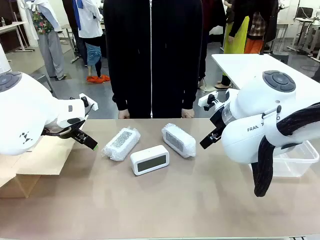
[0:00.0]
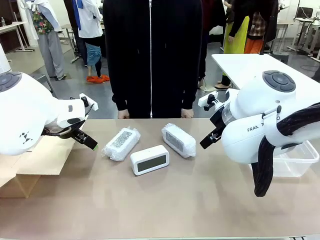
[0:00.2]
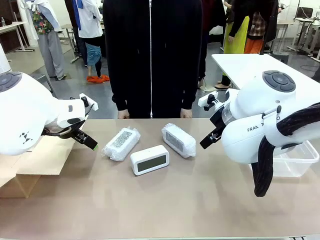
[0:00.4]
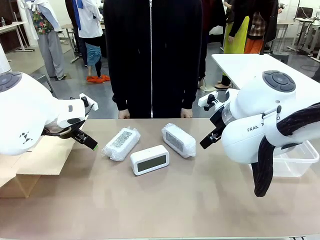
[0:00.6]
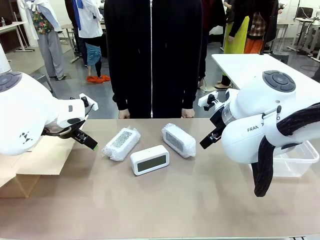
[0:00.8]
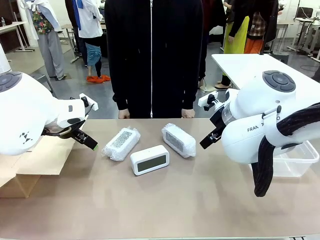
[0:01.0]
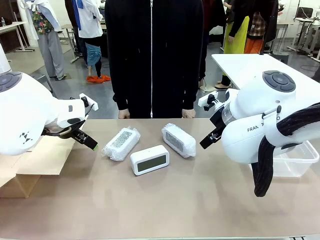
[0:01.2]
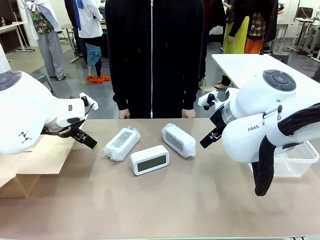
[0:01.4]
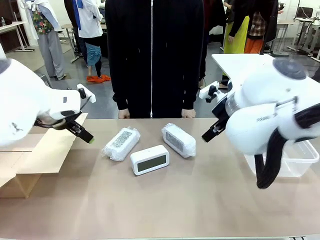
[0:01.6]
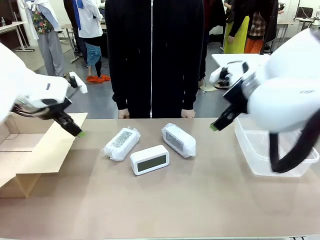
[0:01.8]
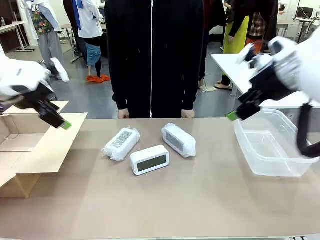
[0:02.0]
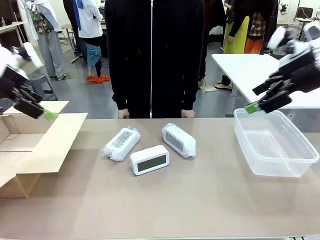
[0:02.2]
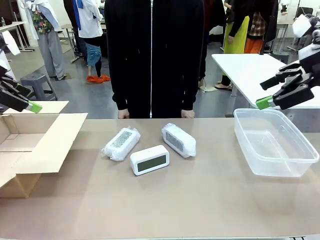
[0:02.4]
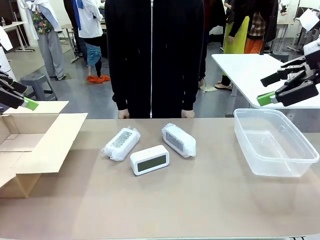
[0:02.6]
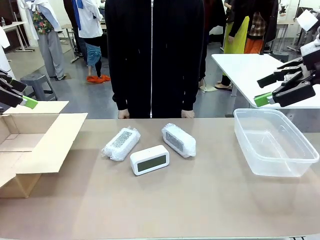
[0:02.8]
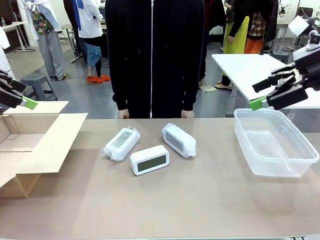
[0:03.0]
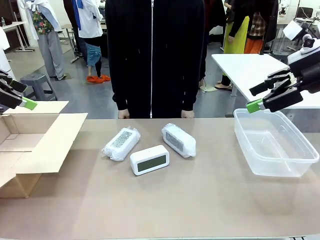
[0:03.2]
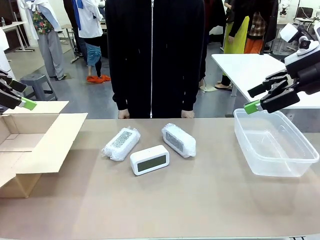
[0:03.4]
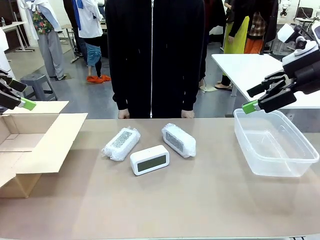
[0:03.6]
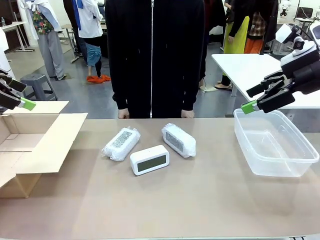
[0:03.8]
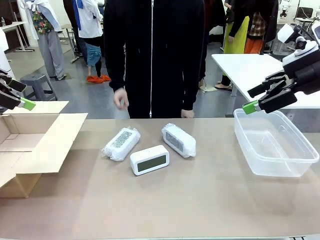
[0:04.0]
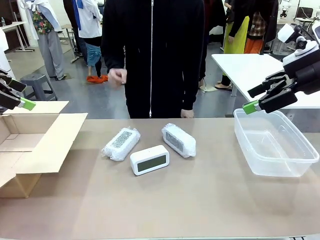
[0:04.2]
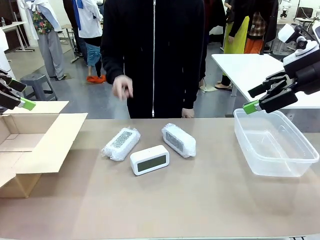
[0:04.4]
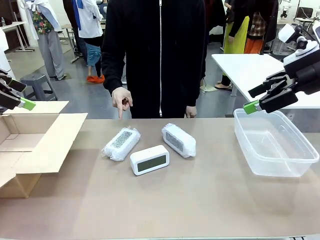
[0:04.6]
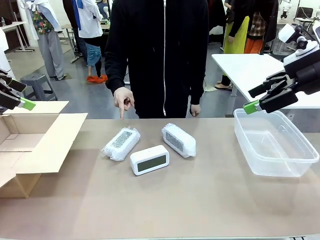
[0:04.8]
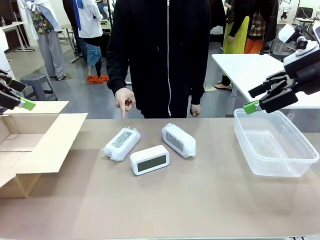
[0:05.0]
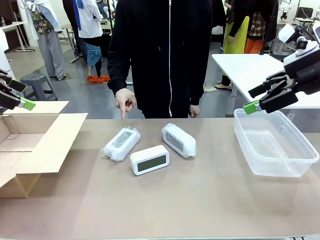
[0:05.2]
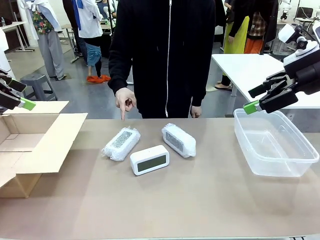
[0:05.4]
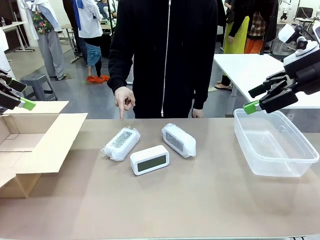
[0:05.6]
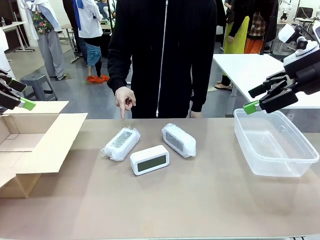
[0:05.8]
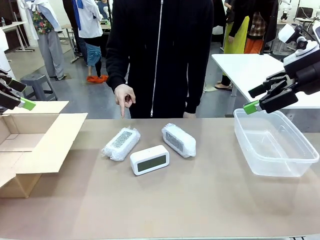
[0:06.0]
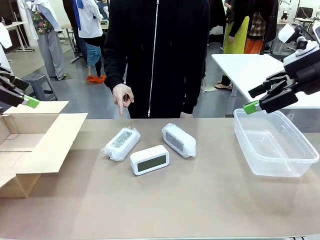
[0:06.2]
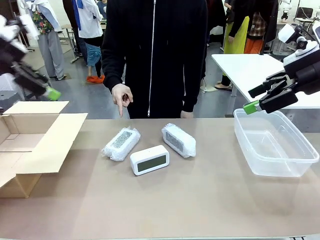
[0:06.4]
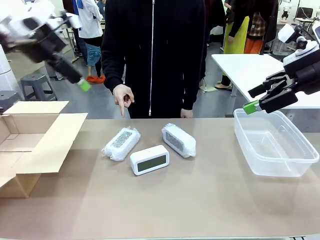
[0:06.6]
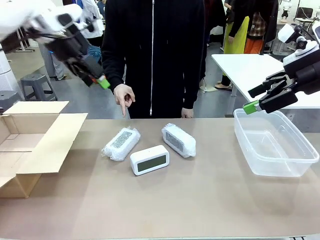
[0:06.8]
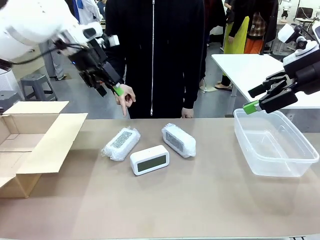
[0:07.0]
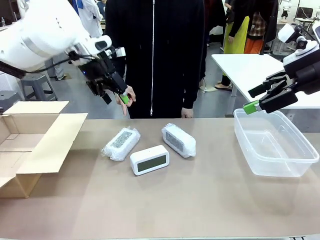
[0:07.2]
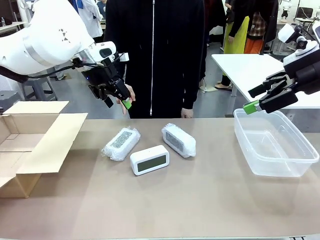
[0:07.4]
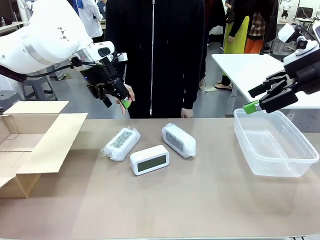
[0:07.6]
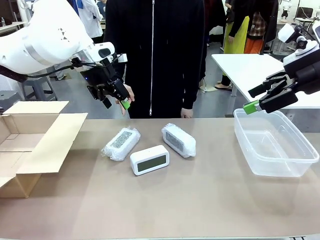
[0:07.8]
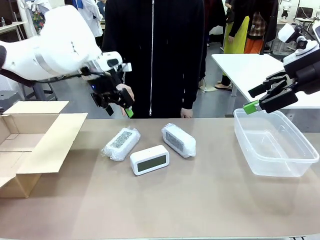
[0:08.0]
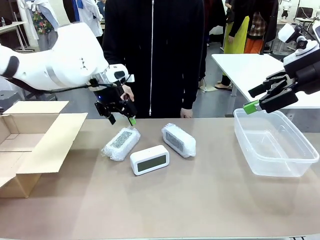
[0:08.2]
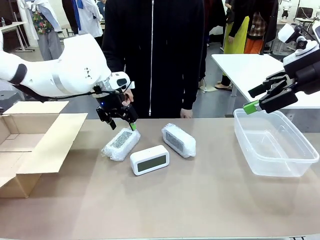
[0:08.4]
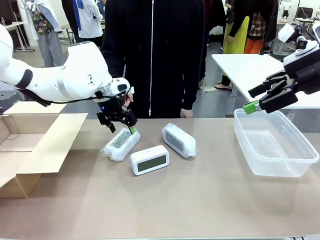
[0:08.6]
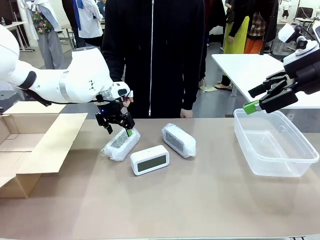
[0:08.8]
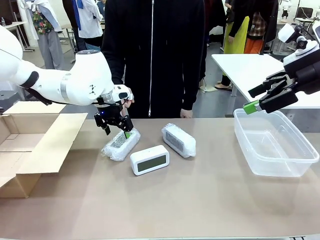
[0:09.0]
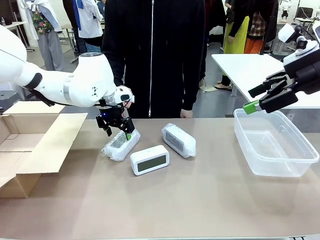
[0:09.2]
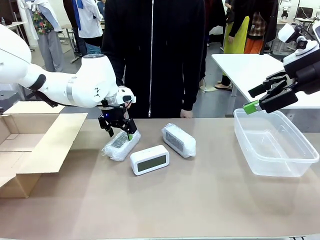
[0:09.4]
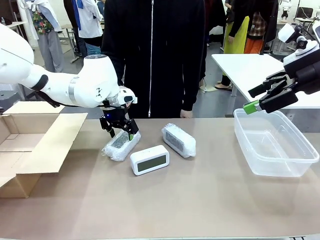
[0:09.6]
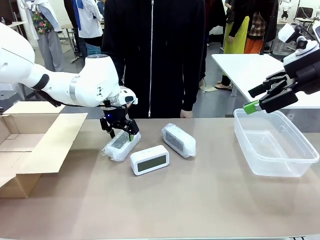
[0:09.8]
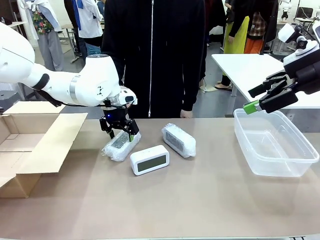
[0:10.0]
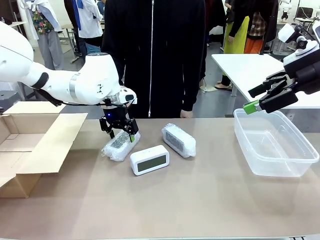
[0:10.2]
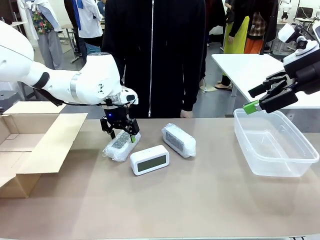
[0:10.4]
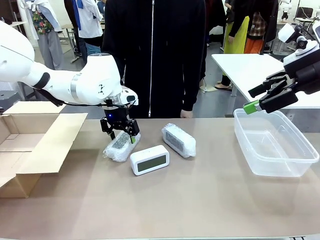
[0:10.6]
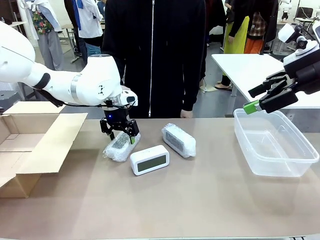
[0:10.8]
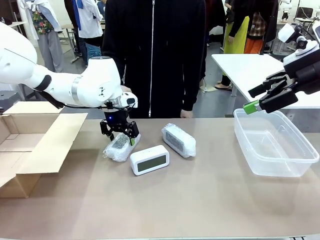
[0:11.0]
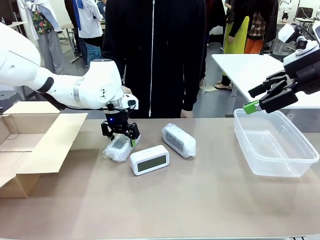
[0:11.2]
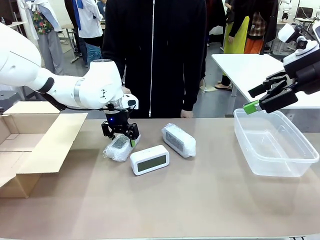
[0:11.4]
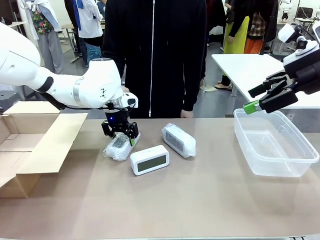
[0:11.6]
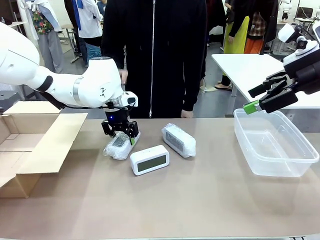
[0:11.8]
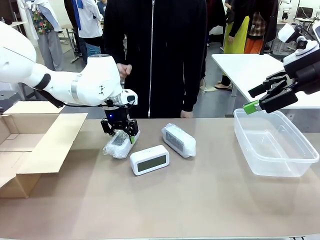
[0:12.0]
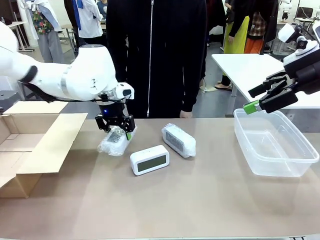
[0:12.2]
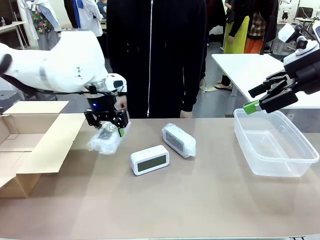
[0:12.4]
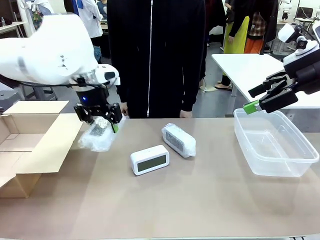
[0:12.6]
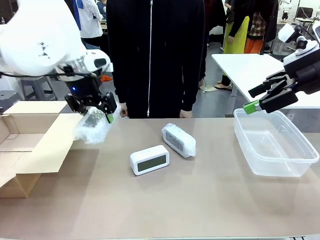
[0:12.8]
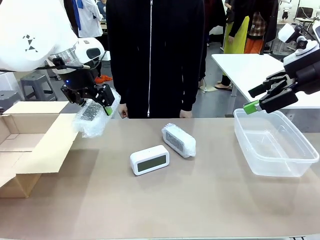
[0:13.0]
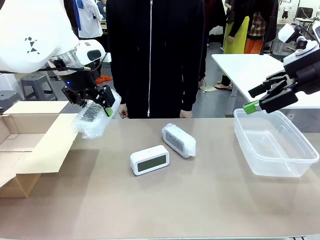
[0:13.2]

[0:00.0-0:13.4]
Task: Separate and place wrapped and unwrapped clocks.
Robot: Pick up the Digital clock indicated by the person.

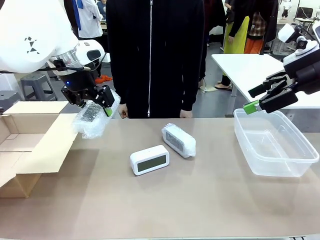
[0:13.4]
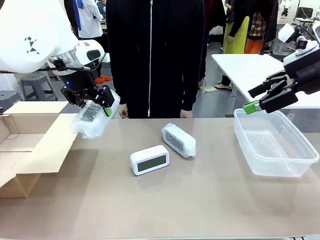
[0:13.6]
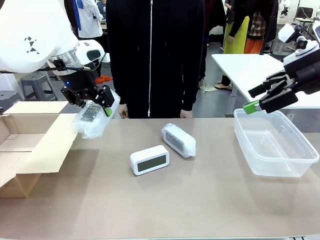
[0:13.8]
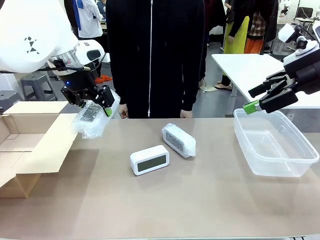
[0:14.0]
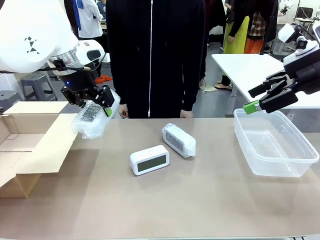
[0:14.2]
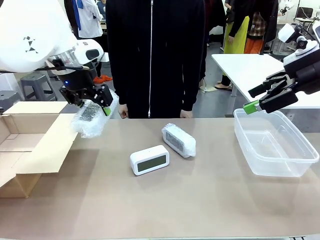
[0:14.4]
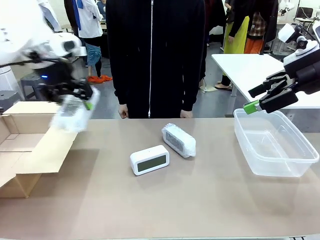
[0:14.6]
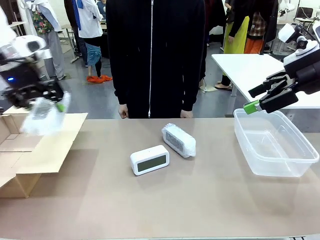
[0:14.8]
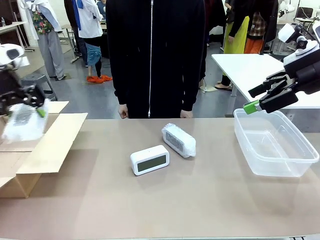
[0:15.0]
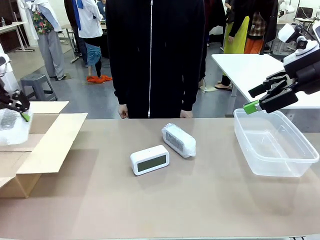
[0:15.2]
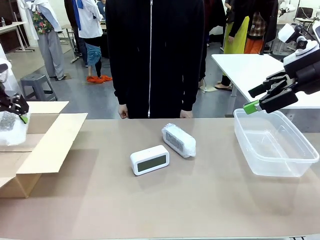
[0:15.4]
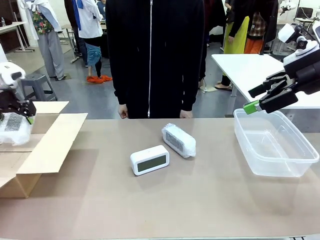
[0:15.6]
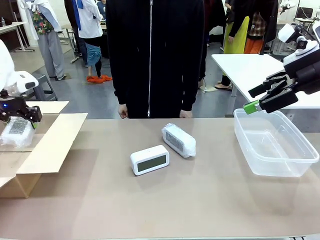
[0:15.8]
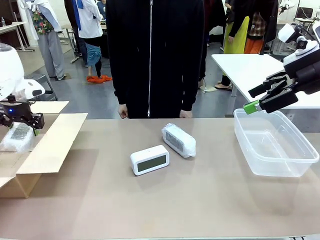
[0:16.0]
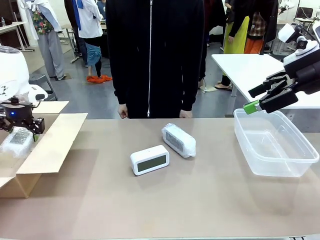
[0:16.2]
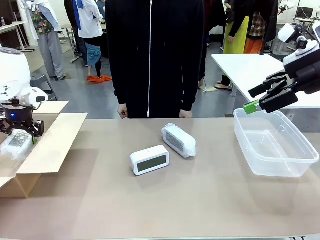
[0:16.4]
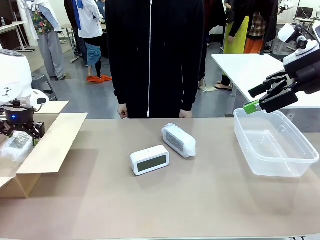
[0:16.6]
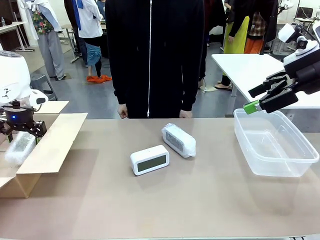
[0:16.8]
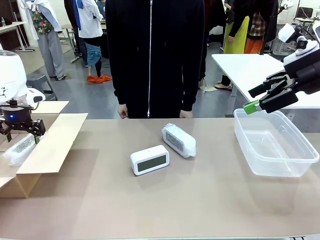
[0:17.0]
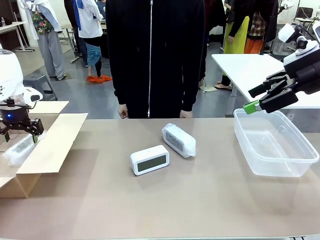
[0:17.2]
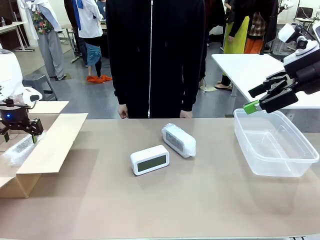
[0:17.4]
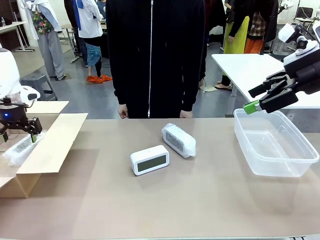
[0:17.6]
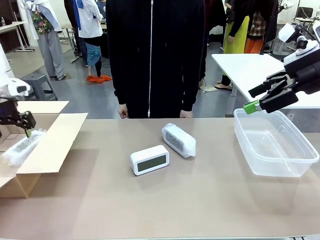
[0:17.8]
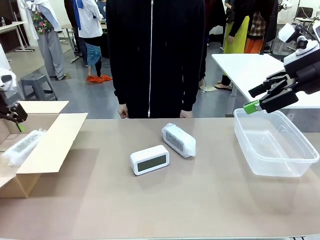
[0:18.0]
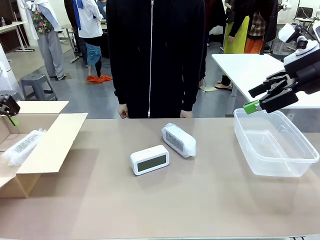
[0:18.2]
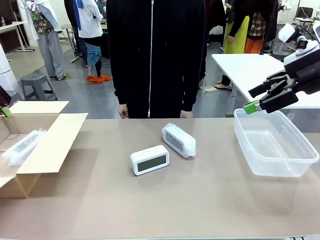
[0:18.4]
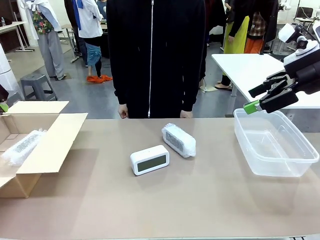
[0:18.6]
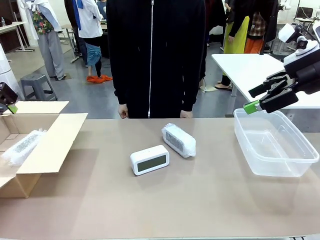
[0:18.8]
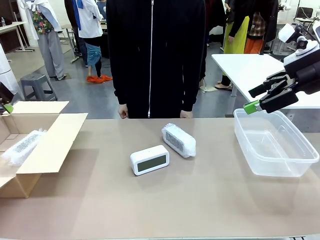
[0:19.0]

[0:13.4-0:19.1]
Robot: If the picked Digital clock is wrapped, place it in the Package Box ; if not, place it in the Organizing box.
